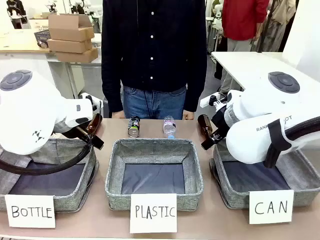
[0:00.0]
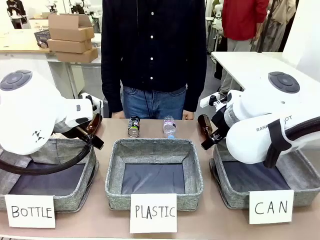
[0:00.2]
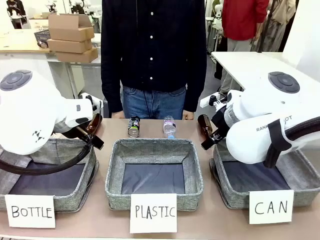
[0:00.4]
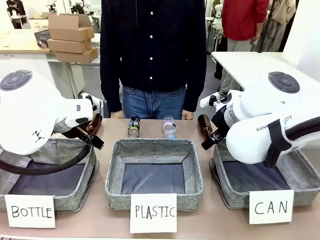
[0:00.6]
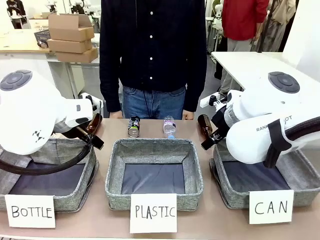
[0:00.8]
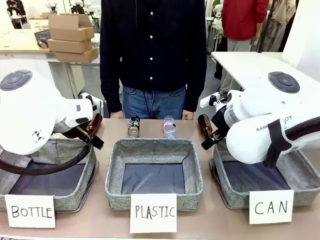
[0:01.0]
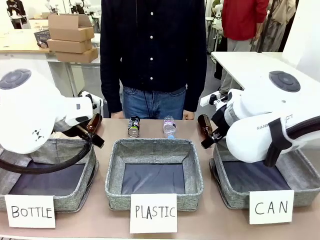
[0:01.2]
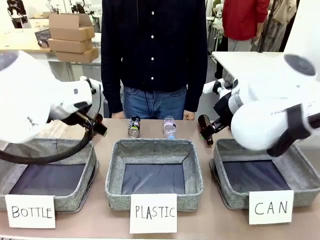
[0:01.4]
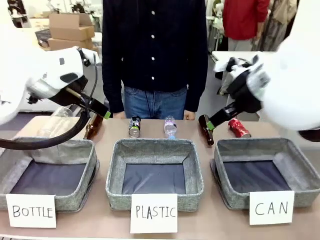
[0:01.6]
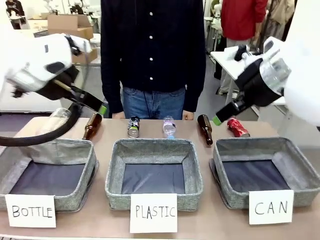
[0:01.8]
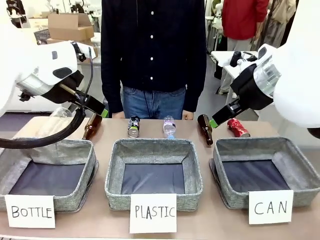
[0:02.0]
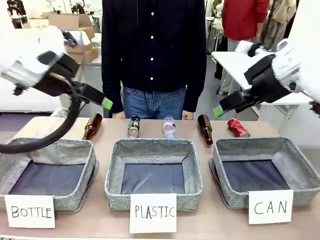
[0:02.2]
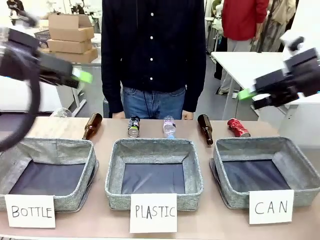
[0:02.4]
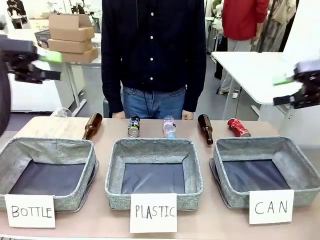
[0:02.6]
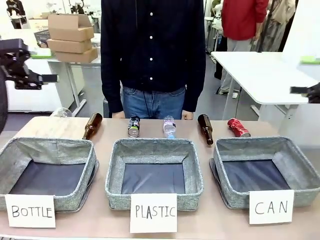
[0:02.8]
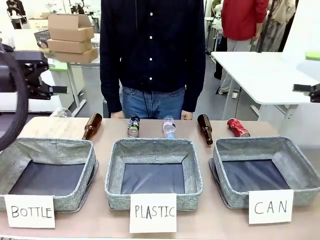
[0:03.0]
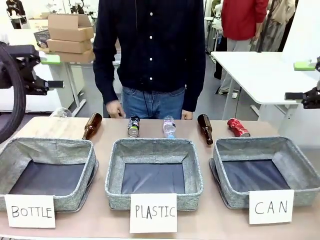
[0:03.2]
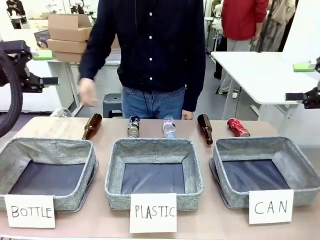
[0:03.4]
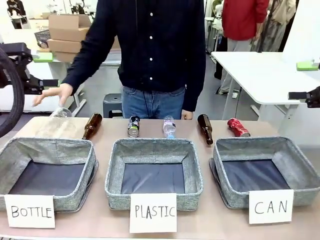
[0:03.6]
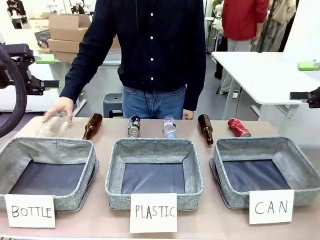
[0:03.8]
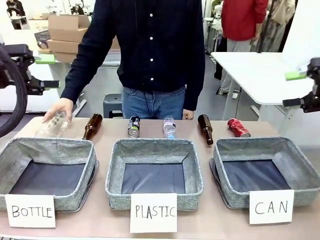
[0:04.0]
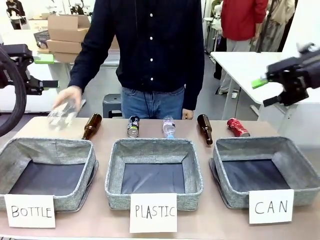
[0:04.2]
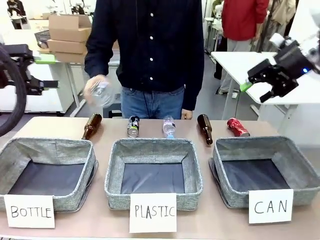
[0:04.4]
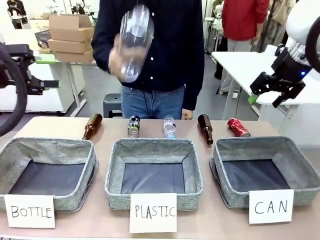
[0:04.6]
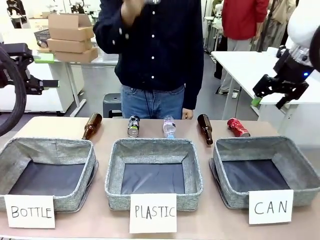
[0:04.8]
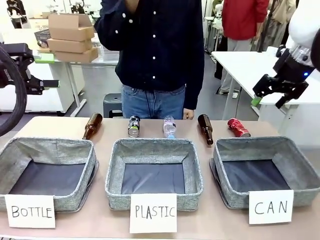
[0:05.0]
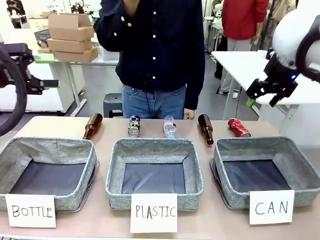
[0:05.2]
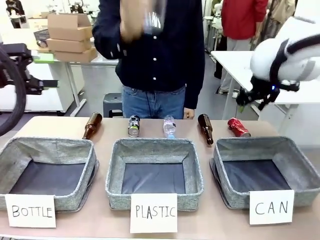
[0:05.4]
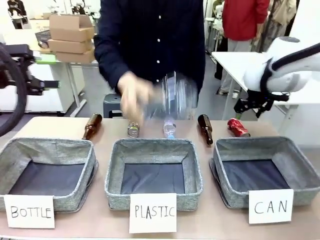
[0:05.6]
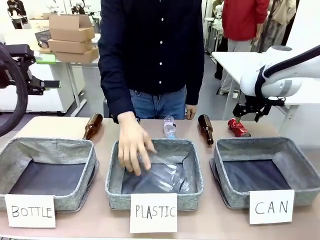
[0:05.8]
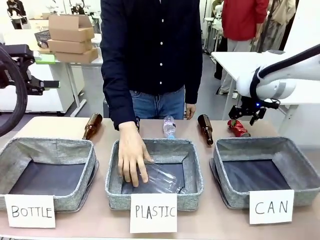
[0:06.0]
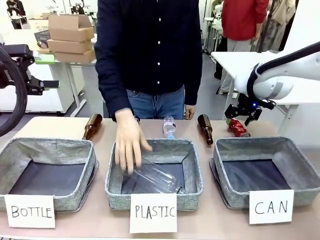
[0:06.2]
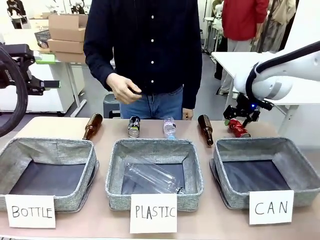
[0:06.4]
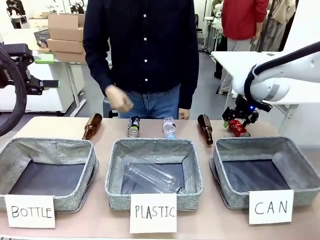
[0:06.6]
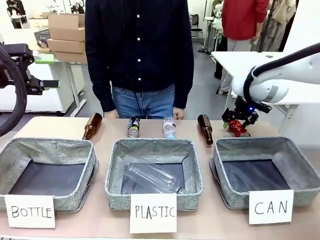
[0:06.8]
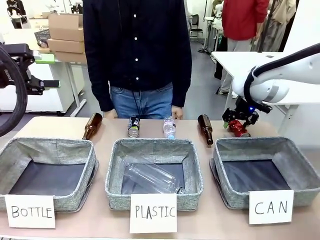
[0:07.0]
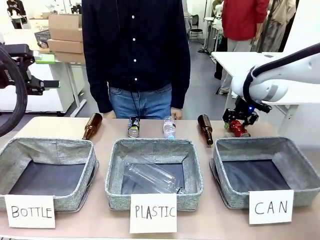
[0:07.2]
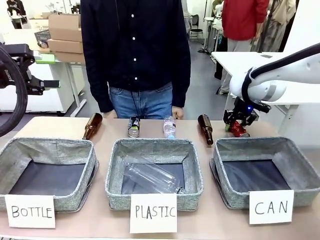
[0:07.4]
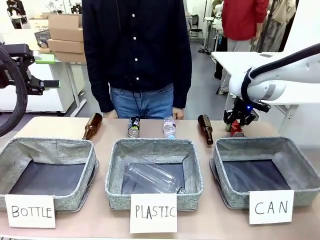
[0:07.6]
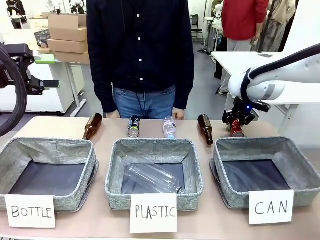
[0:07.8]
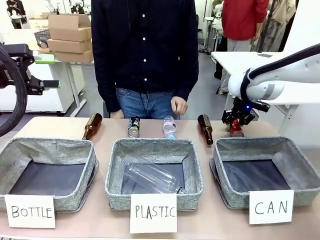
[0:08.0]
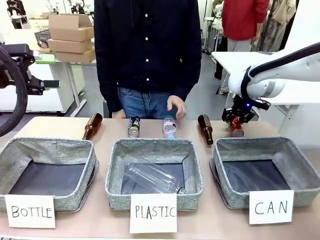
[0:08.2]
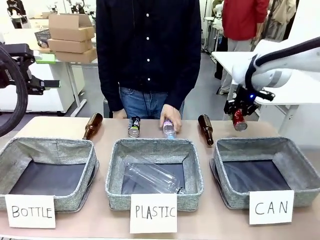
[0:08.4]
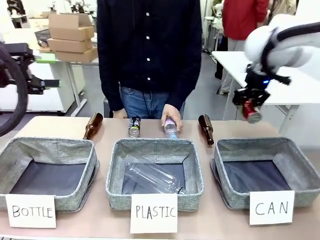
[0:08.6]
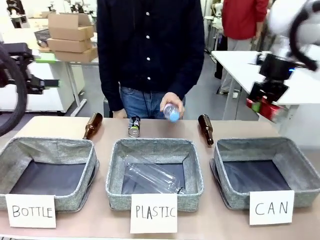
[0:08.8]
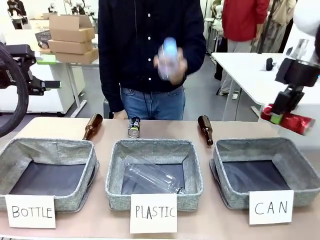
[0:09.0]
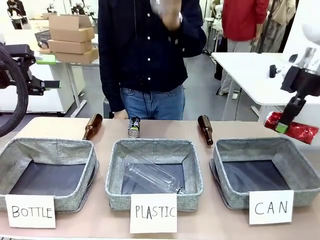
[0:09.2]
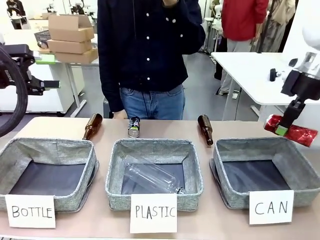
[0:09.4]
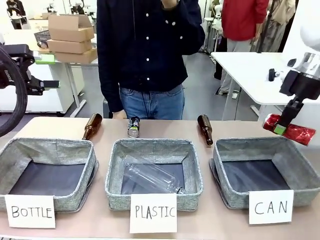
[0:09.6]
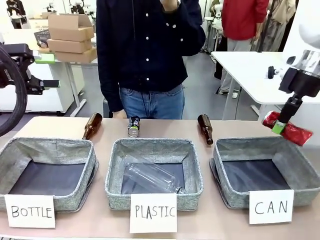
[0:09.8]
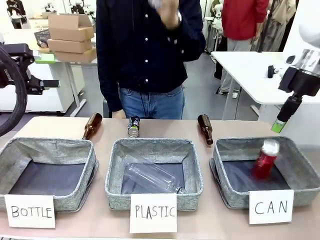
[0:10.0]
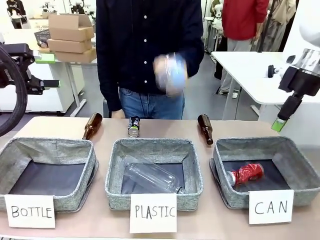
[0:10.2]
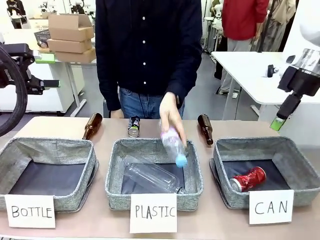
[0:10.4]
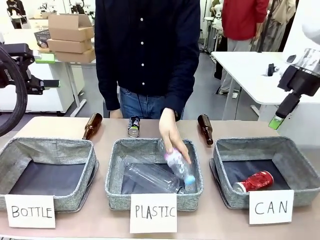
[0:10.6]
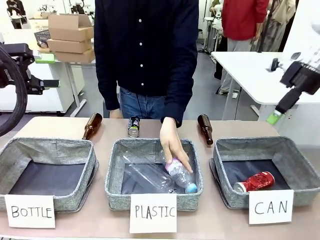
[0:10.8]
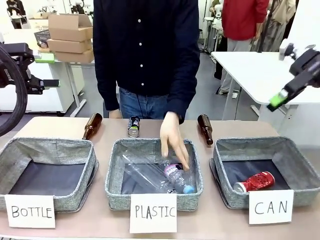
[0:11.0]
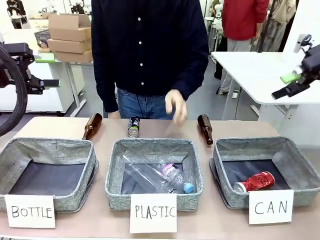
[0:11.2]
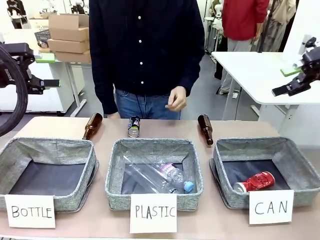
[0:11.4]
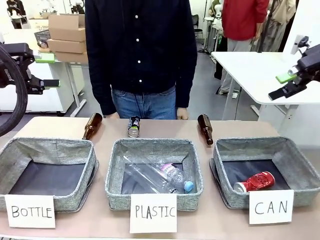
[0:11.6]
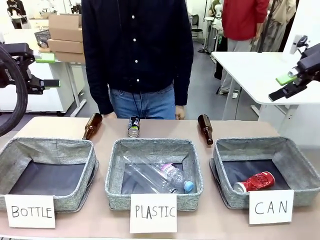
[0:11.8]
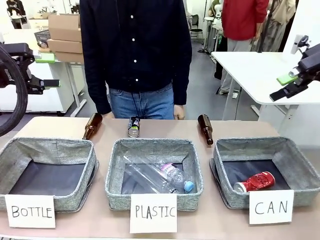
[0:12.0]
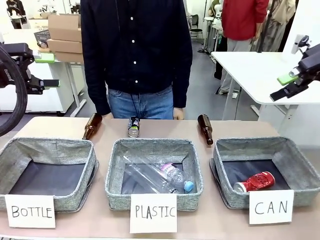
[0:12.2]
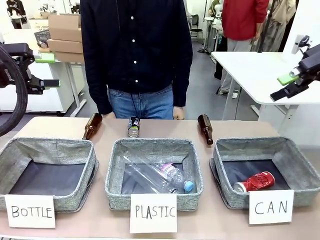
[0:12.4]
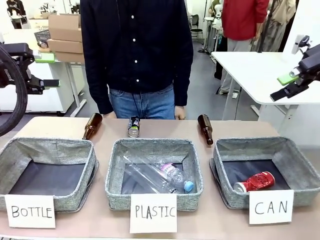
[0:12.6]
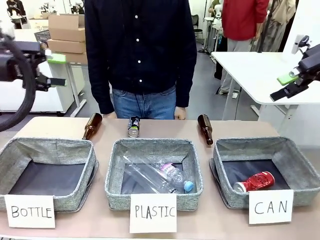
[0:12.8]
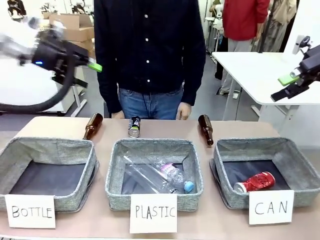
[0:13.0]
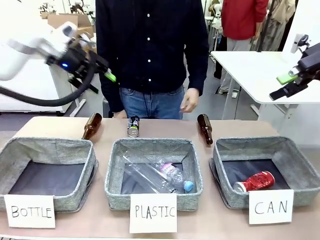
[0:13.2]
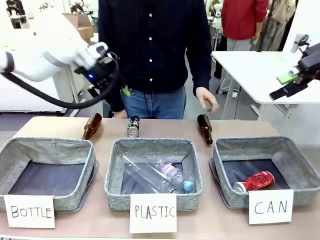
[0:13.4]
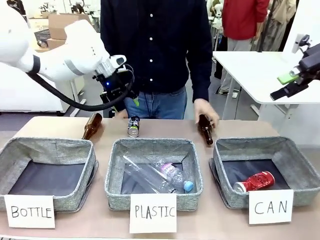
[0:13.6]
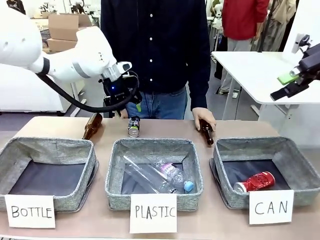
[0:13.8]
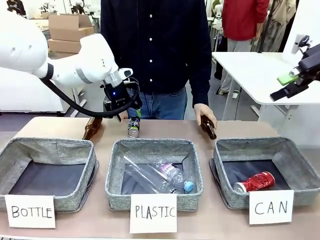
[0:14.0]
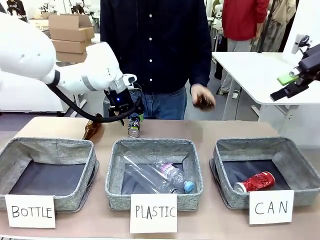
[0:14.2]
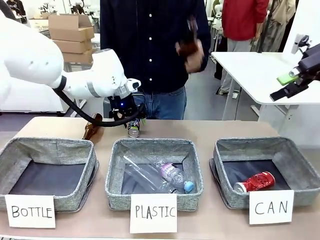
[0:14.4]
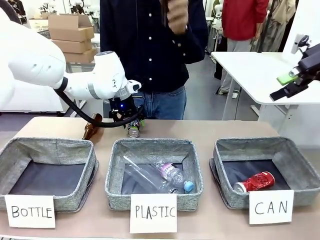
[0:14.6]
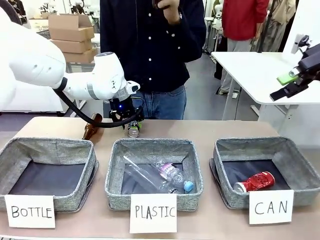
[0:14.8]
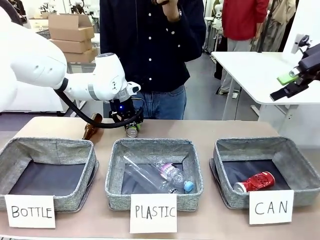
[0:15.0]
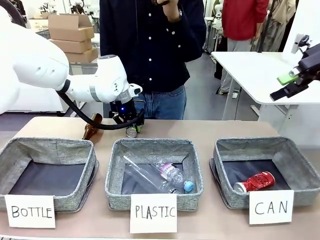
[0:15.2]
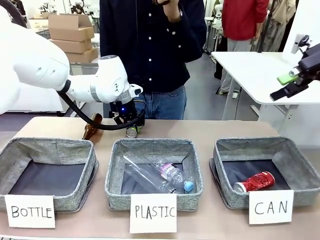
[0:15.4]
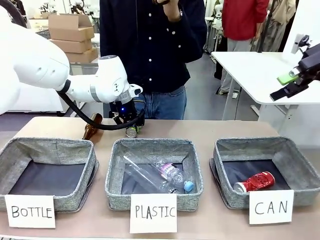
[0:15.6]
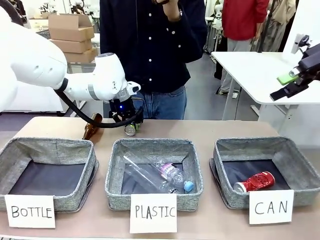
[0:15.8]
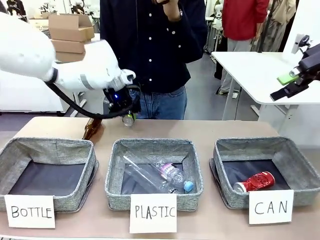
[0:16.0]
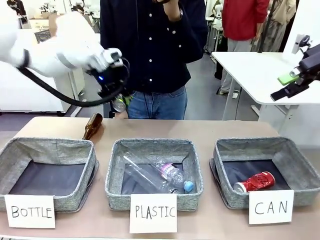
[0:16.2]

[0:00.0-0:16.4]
Task: Sort the can waste into the basket.
Robot: Pick up the can waste from the table and place it in the right Fabric basket.
